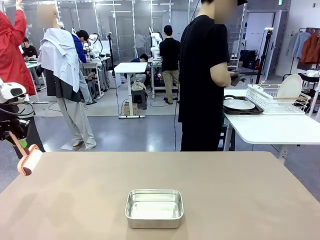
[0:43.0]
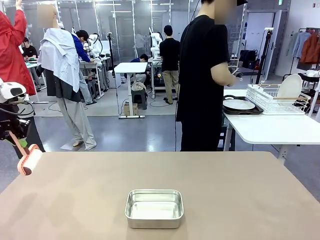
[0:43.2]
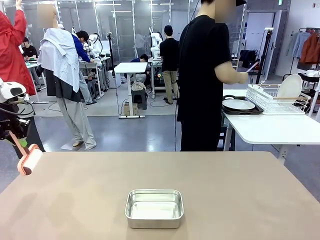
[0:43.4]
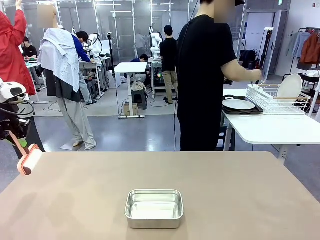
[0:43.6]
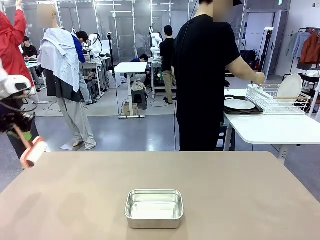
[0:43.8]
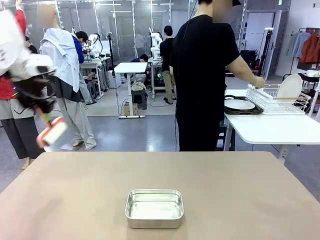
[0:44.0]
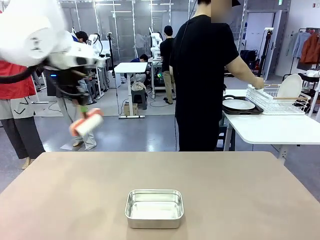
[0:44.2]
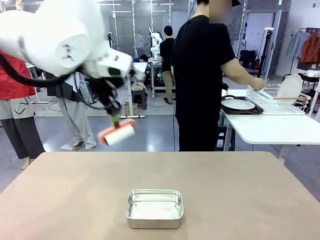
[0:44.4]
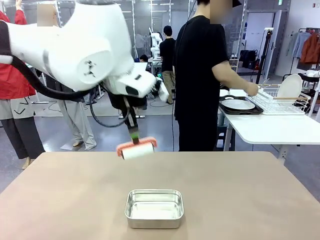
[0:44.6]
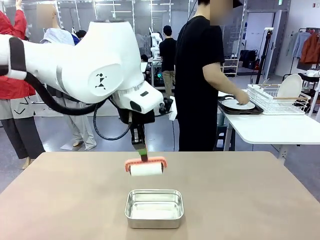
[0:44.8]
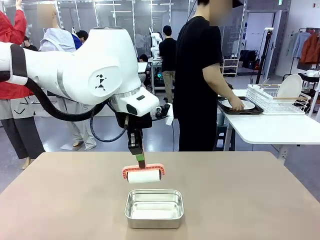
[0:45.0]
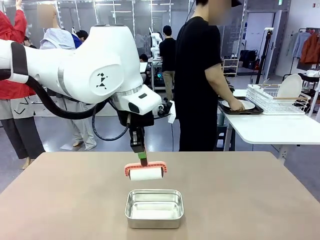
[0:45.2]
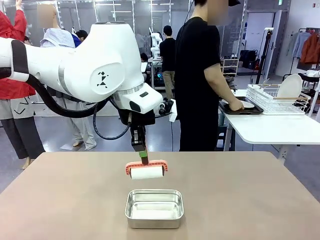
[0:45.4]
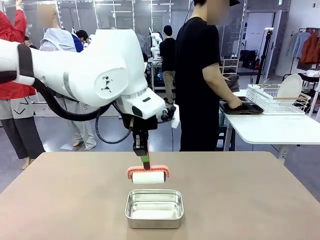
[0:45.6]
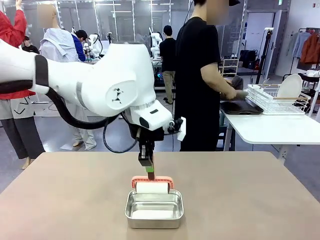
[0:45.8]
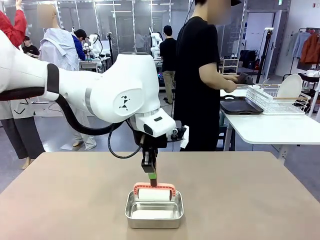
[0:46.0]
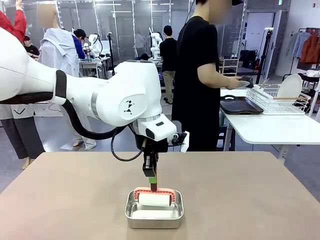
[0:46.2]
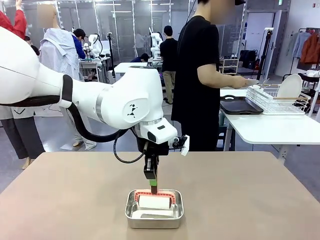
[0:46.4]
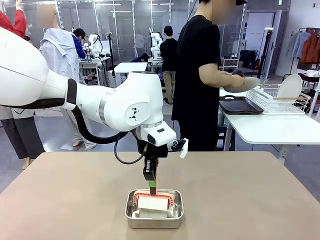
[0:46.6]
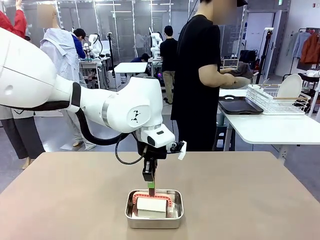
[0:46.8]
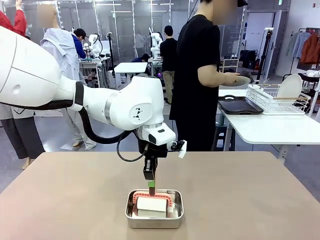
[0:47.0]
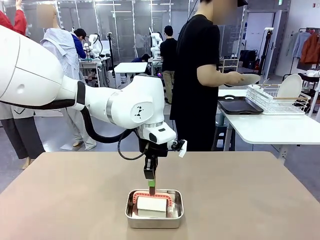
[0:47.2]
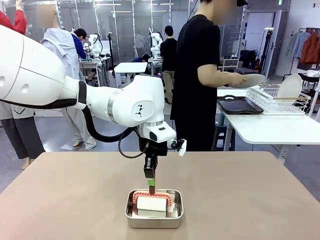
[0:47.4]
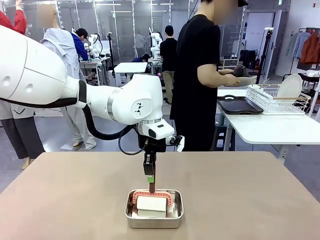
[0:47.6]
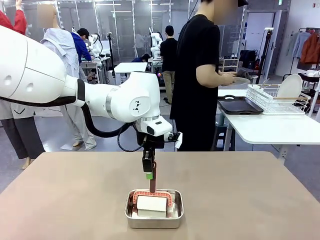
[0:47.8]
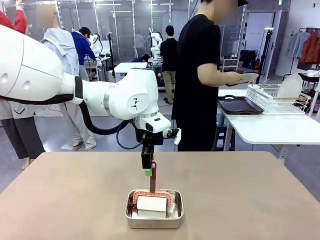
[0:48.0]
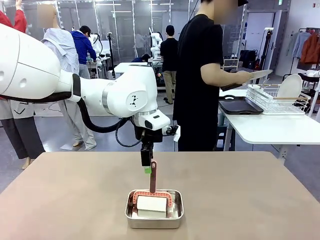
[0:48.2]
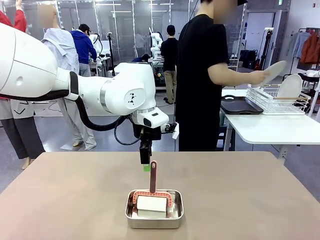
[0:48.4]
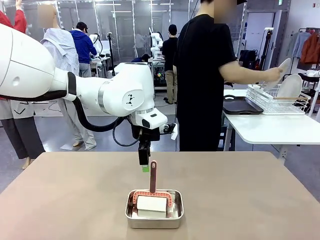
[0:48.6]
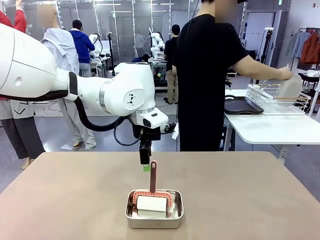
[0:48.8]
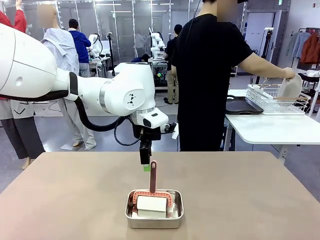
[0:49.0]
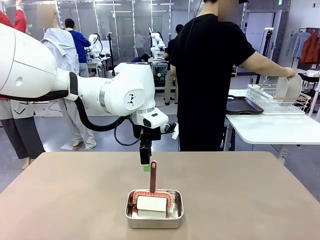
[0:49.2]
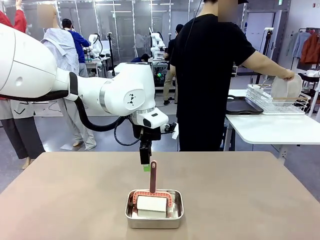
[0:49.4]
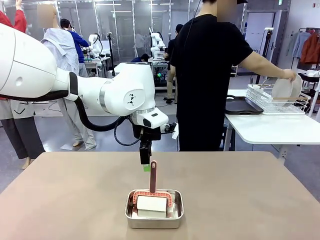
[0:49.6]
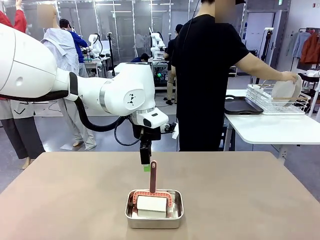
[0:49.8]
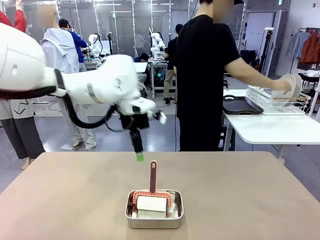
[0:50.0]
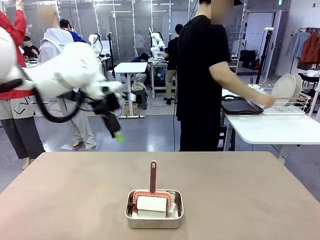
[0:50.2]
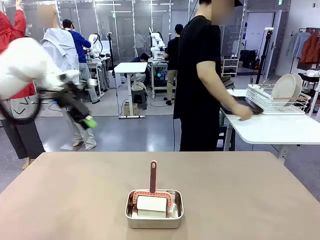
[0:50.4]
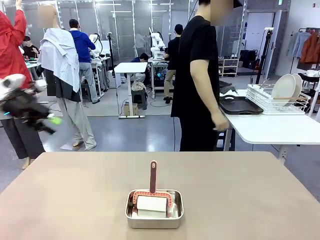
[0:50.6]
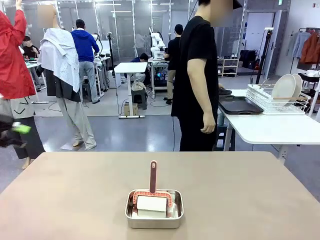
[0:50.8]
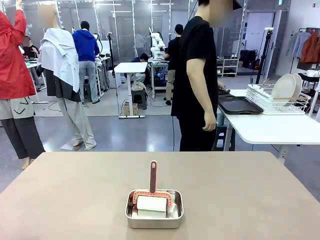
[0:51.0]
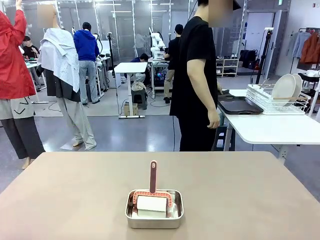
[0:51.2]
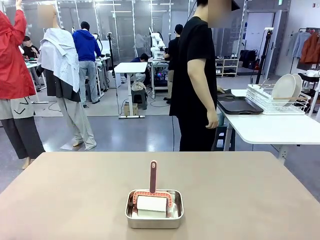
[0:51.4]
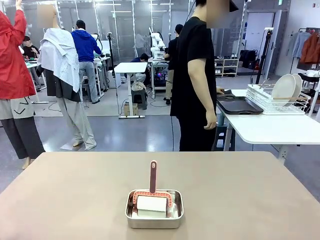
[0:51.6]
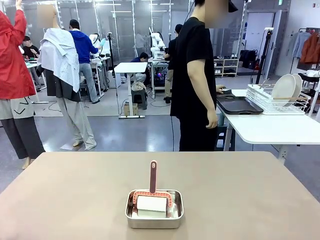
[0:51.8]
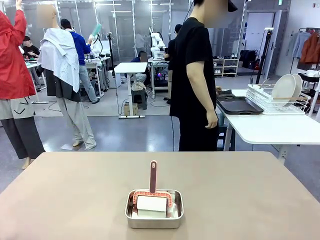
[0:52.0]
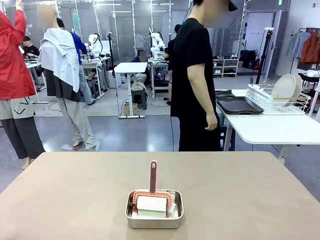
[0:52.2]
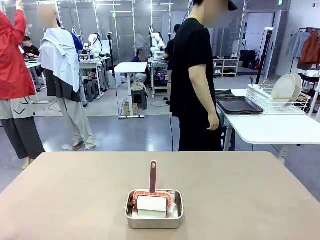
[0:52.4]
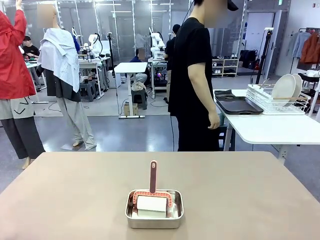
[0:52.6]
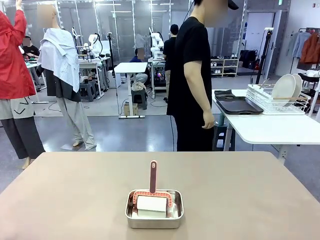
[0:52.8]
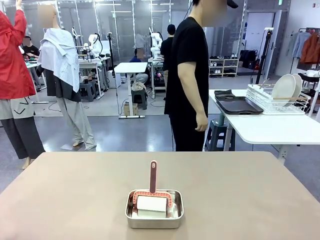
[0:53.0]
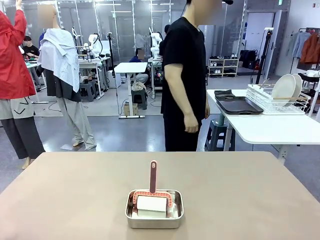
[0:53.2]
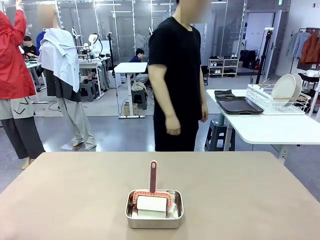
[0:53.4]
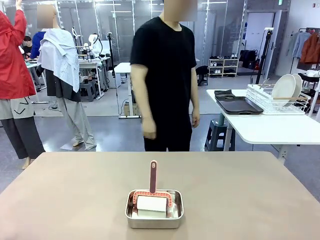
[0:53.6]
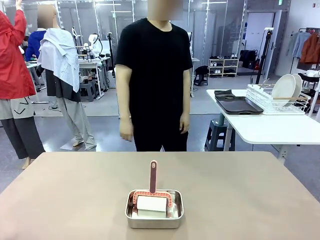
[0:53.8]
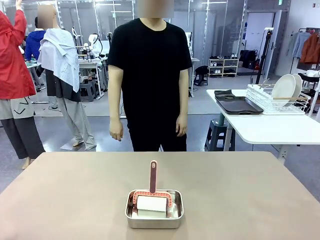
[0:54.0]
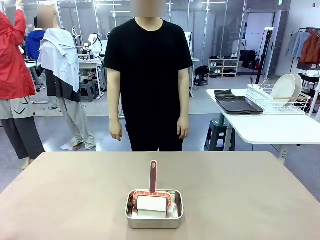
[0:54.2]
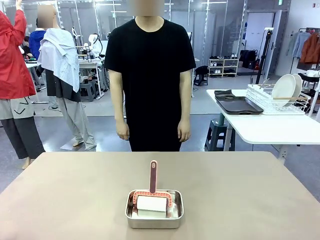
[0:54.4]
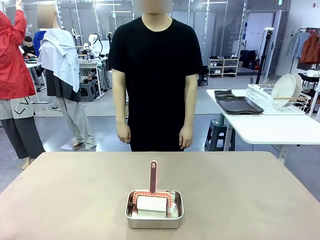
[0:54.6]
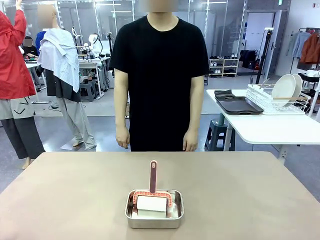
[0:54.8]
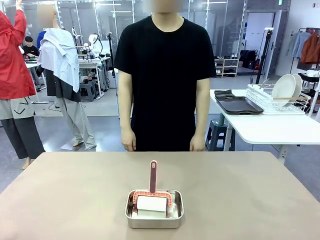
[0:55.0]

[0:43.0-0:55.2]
Robot: Place the Lint Roller back on top of the Airtight Container.
Person: Use the Towel with hook to wipe the Plastic Matte Plate , Fork , and Knife and place into the Dish drying rack.

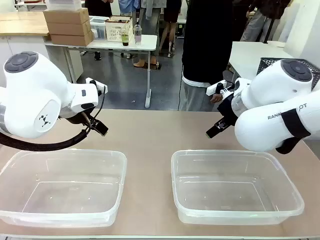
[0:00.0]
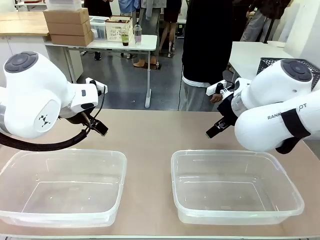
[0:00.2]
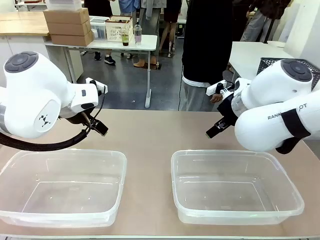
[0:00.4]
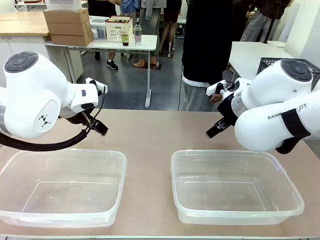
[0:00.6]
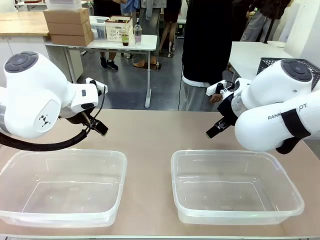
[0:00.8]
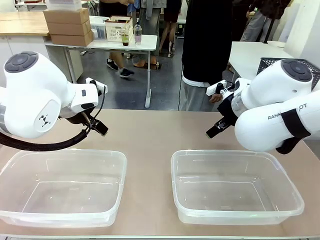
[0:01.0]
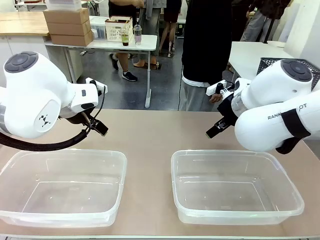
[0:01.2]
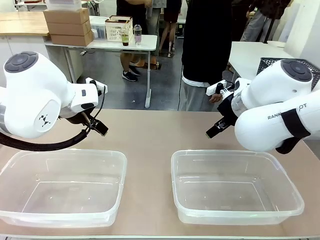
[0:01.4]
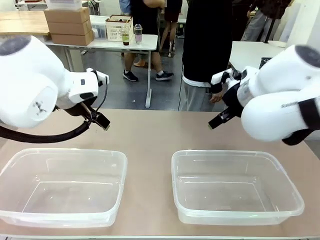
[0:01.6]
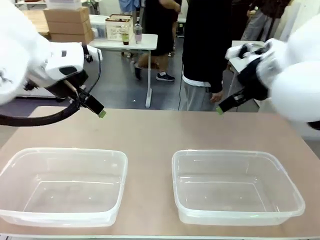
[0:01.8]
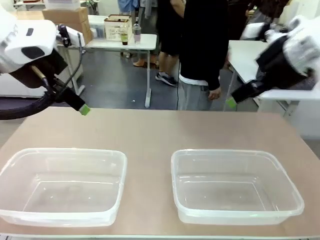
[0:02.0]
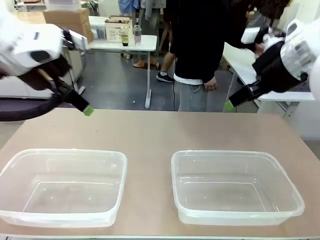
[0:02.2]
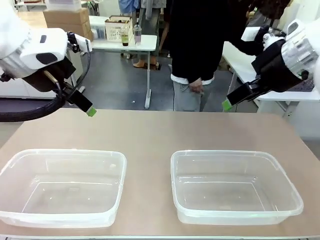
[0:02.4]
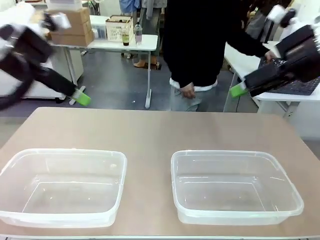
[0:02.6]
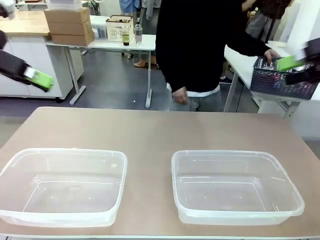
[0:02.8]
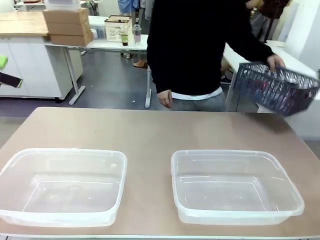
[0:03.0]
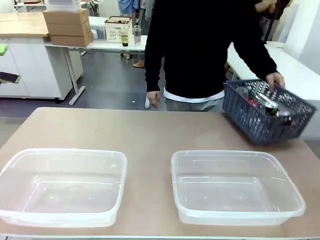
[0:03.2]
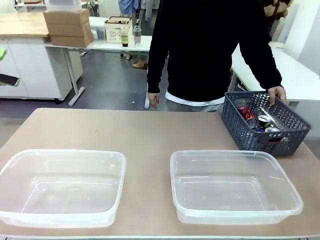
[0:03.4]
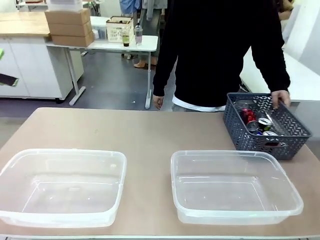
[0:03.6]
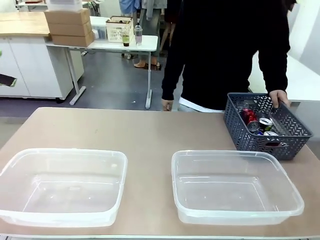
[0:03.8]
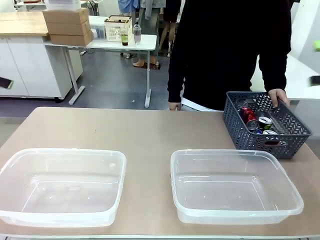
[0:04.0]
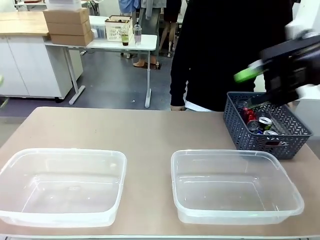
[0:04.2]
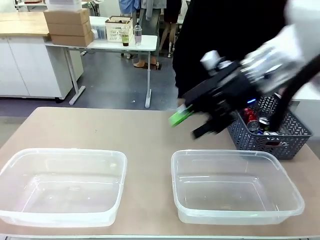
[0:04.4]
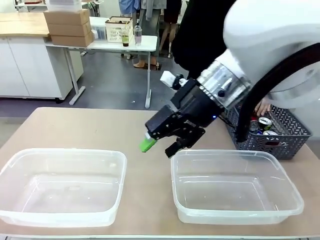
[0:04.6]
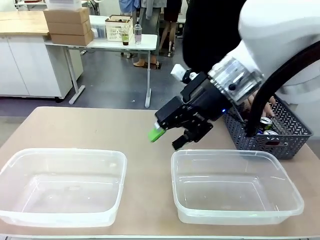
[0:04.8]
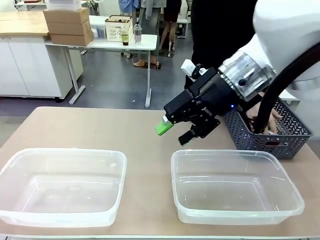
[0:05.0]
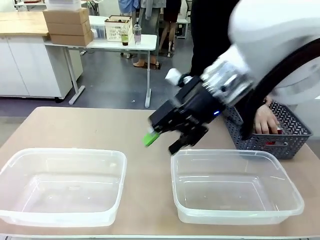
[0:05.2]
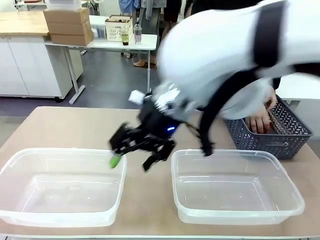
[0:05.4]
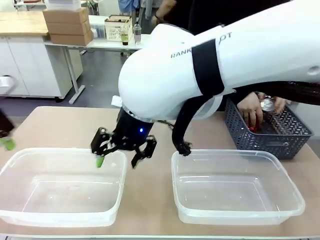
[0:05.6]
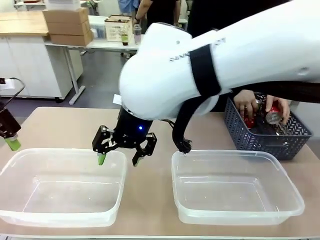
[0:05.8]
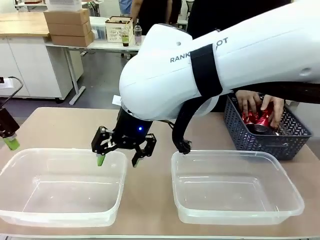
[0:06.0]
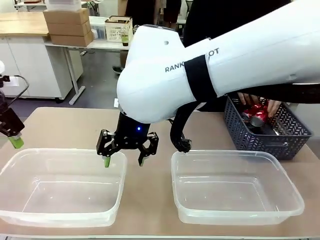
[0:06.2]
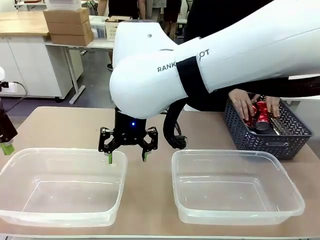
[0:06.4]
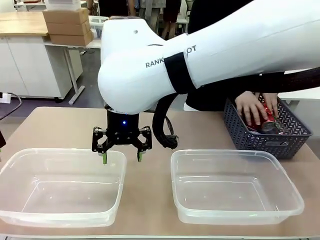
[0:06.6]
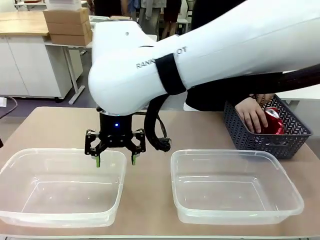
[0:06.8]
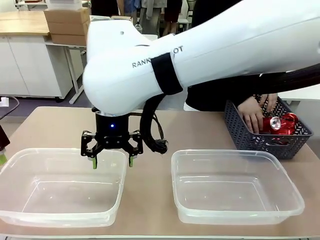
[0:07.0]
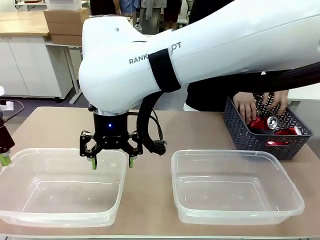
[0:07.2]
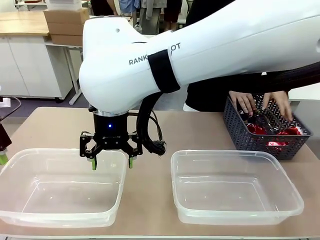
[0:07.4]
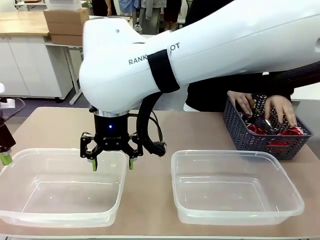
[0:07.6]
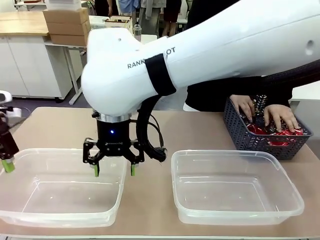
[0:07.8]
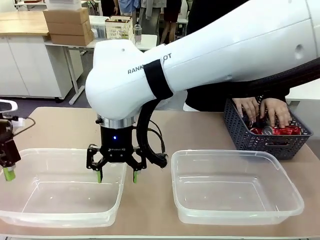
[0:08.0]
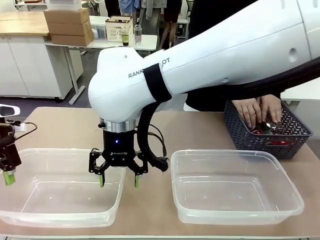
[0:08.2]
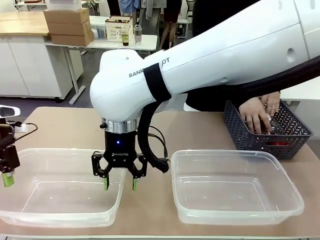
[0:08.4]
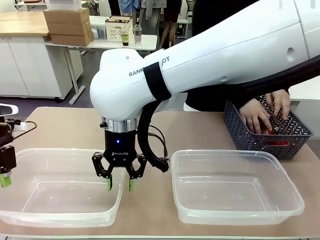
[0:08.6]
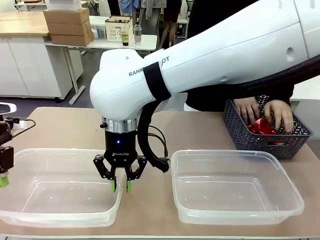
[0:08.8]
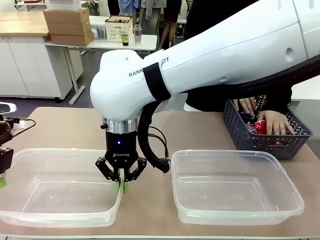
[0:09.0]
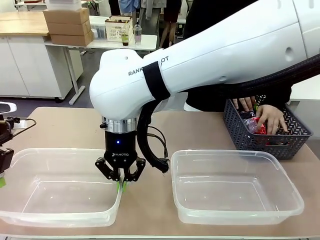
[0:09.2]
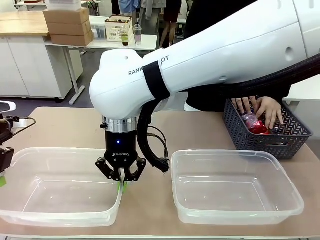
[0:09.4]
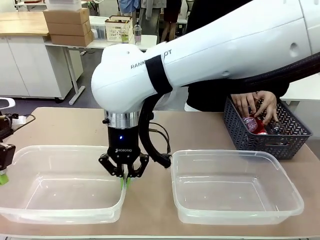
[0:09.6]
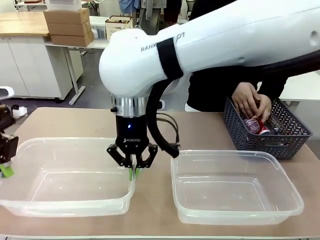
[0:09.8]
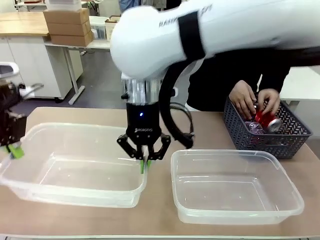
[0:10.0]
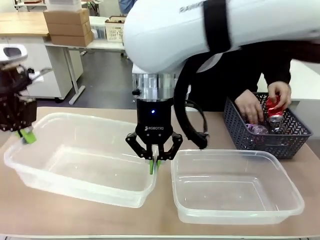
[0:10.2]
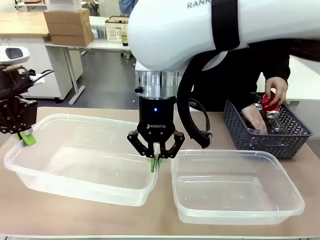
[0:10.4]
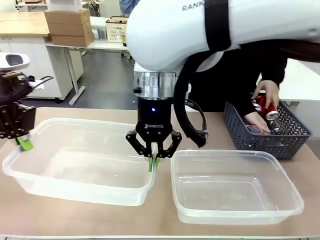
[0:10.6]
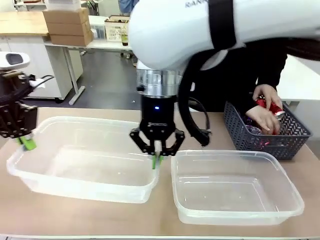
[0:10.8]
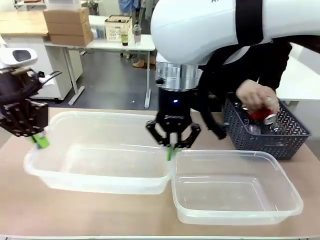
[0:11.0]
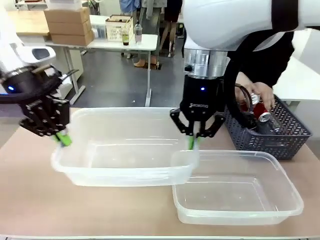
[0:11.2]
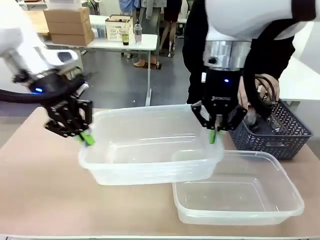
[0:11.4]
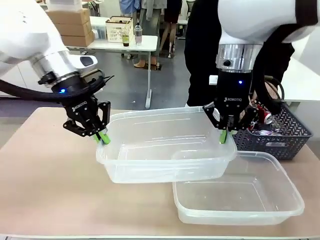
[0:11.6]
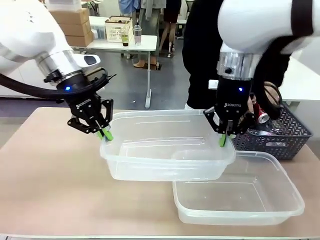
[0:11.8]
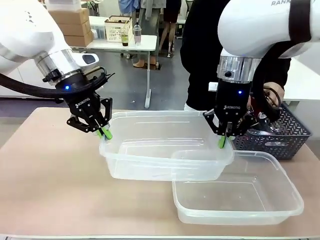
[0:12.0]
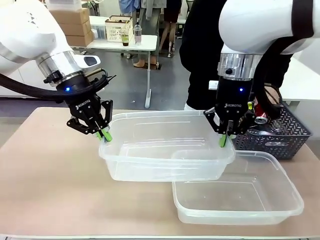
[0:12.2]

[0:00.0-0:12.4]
Robot: Pick up the Organizing box on the left side of the table and lift it.
Person: Pick up the storage basket and place it on the left side of the robot table. Pick up can-shaped waste one by one and place it into the organizing box lifted by the robot.
